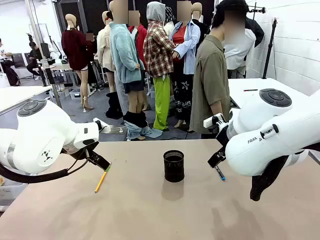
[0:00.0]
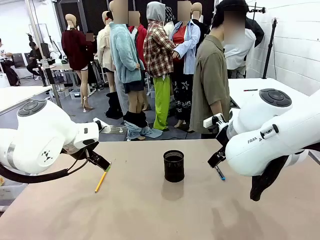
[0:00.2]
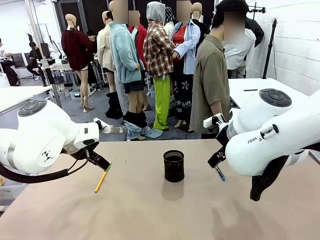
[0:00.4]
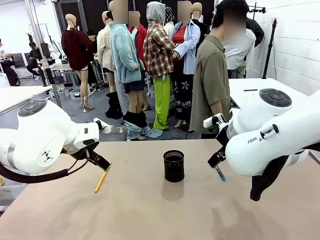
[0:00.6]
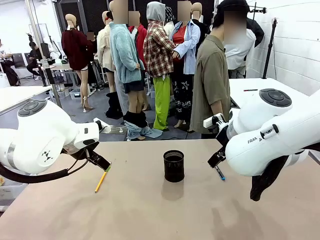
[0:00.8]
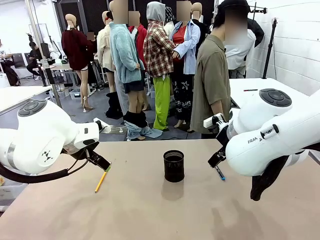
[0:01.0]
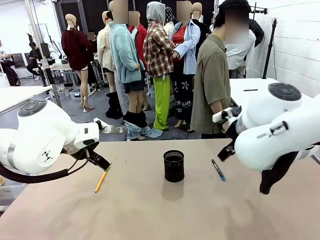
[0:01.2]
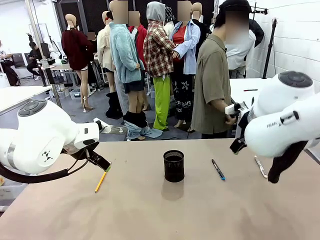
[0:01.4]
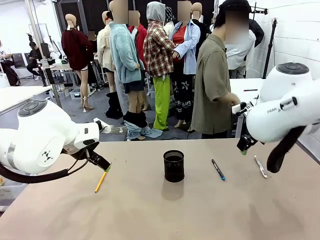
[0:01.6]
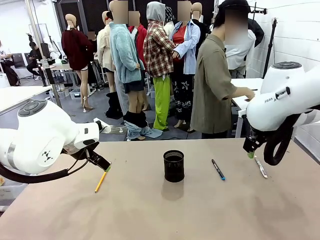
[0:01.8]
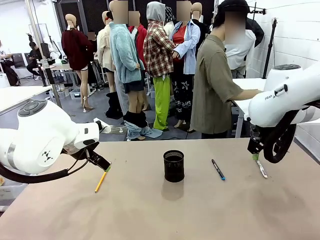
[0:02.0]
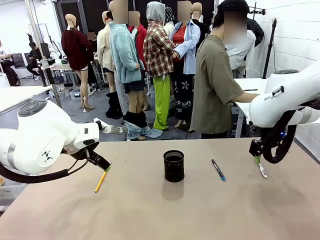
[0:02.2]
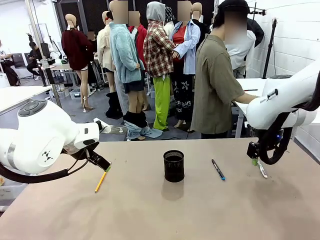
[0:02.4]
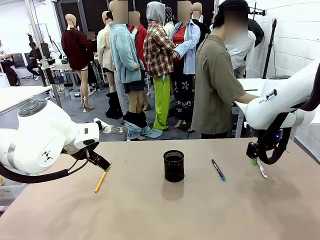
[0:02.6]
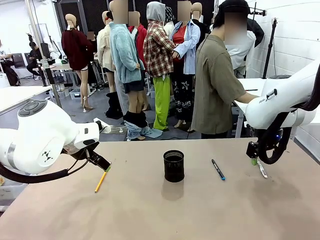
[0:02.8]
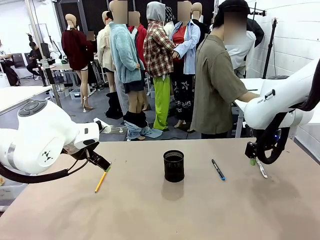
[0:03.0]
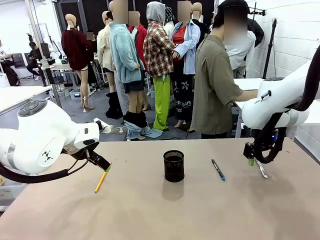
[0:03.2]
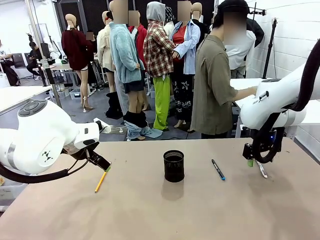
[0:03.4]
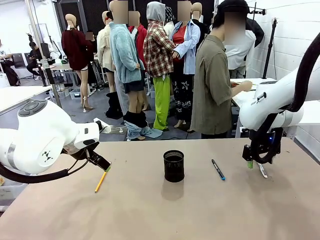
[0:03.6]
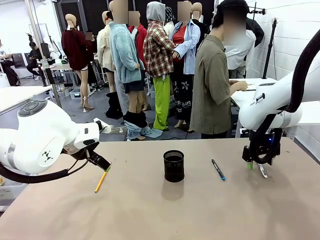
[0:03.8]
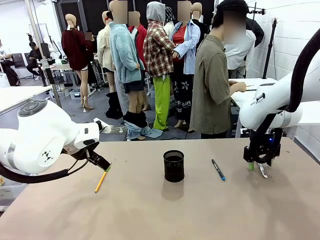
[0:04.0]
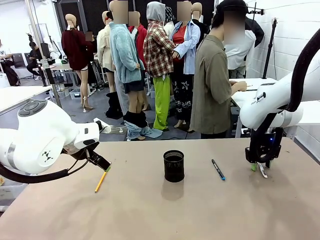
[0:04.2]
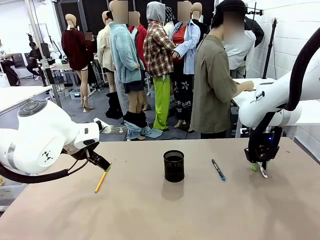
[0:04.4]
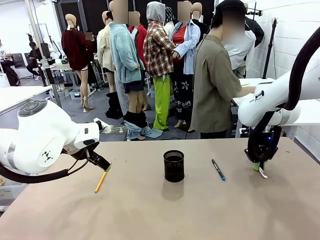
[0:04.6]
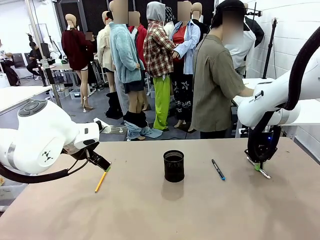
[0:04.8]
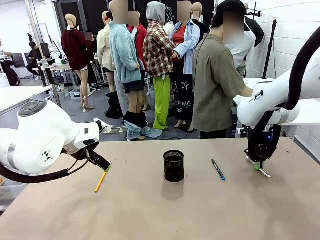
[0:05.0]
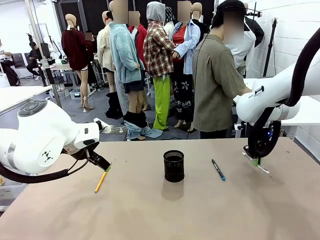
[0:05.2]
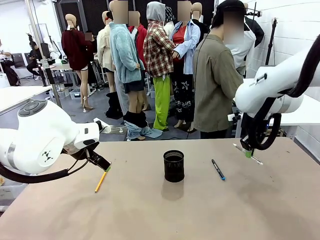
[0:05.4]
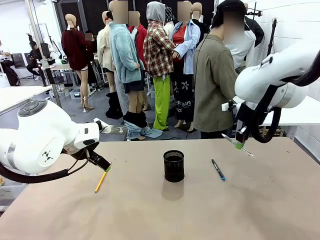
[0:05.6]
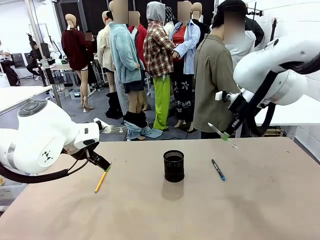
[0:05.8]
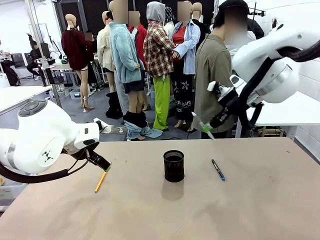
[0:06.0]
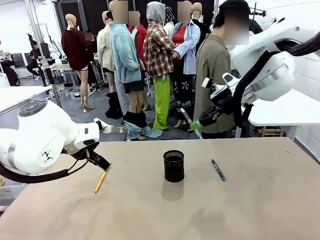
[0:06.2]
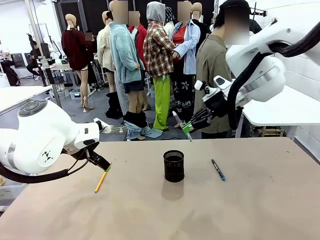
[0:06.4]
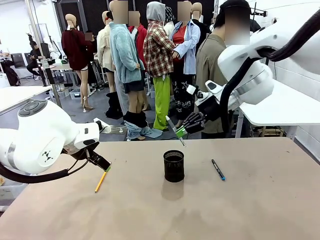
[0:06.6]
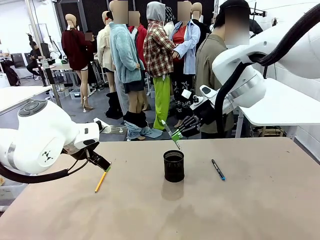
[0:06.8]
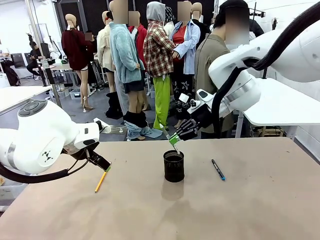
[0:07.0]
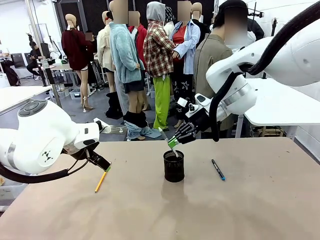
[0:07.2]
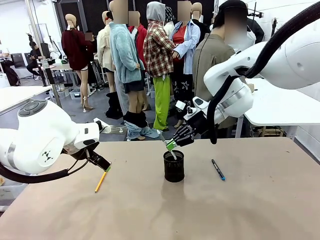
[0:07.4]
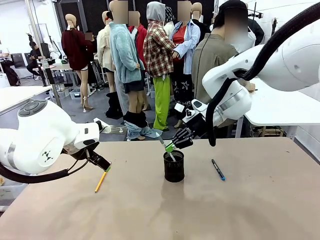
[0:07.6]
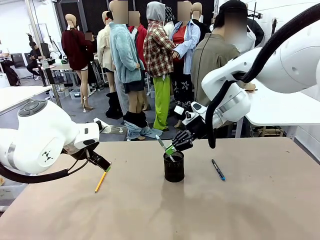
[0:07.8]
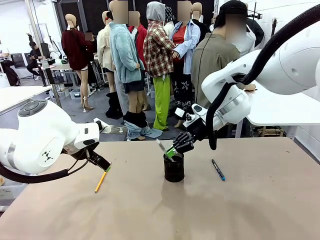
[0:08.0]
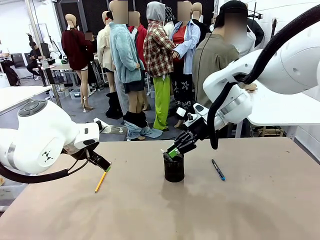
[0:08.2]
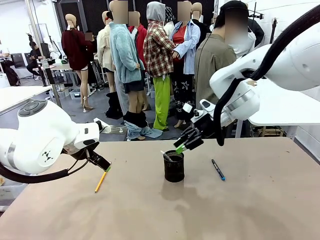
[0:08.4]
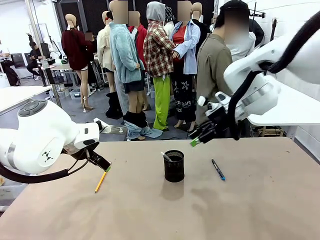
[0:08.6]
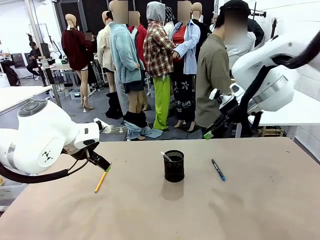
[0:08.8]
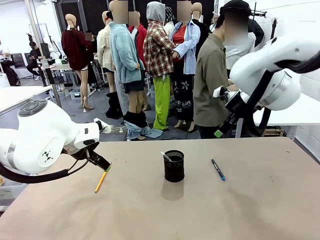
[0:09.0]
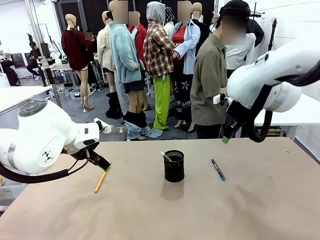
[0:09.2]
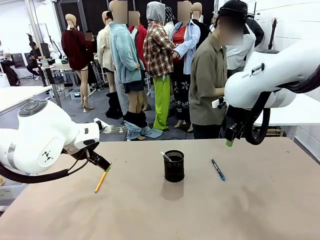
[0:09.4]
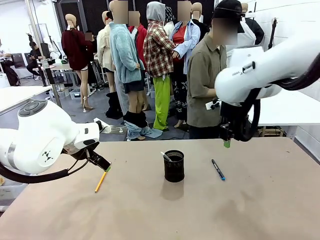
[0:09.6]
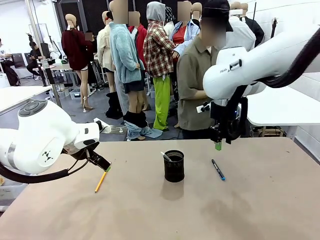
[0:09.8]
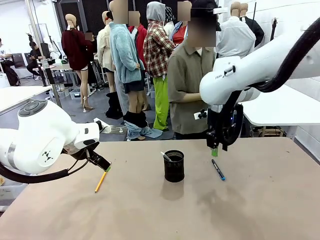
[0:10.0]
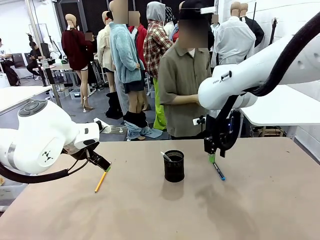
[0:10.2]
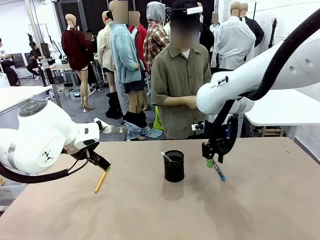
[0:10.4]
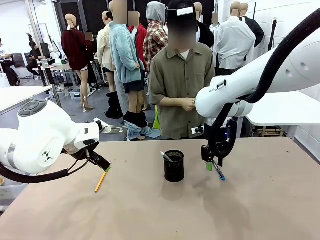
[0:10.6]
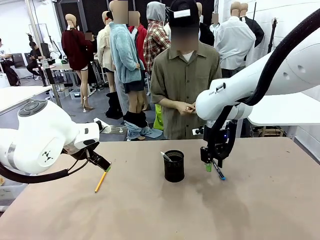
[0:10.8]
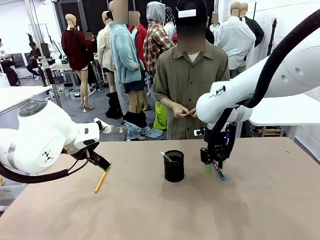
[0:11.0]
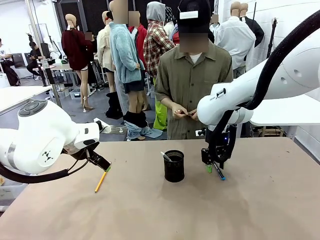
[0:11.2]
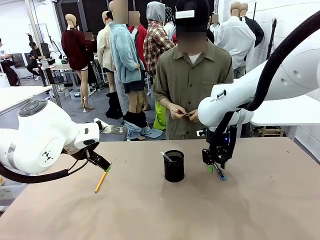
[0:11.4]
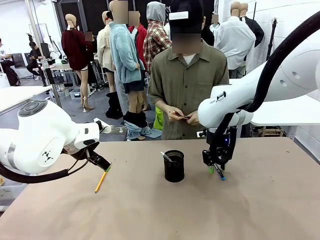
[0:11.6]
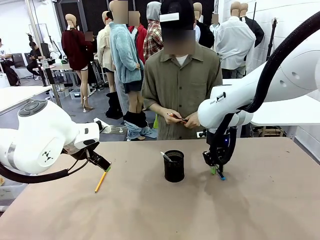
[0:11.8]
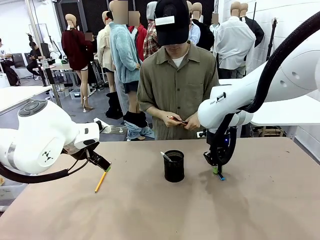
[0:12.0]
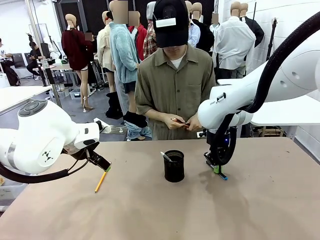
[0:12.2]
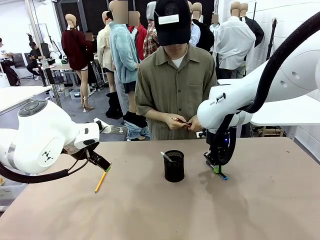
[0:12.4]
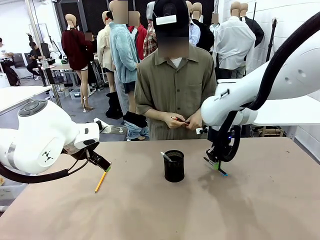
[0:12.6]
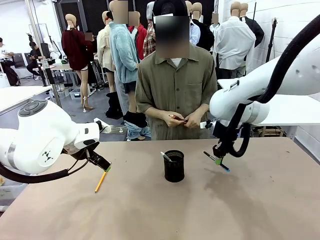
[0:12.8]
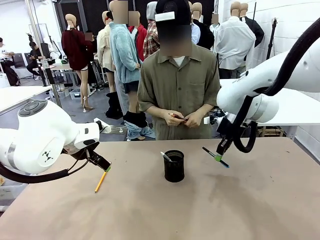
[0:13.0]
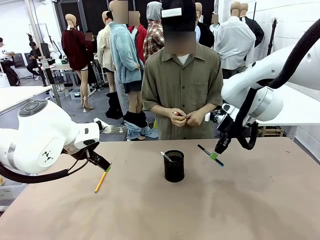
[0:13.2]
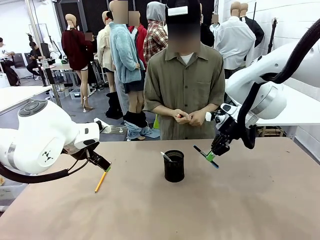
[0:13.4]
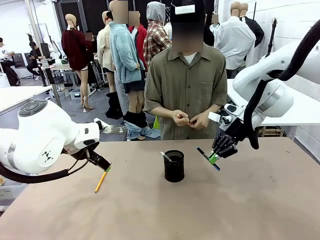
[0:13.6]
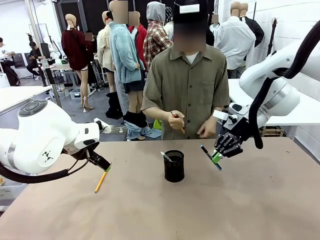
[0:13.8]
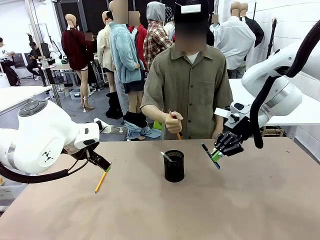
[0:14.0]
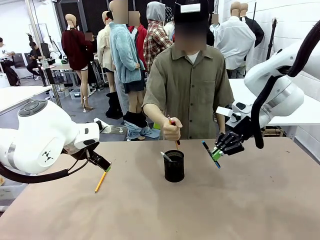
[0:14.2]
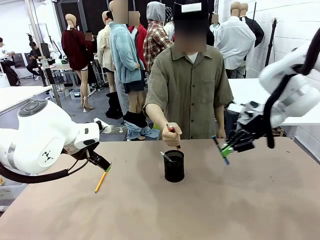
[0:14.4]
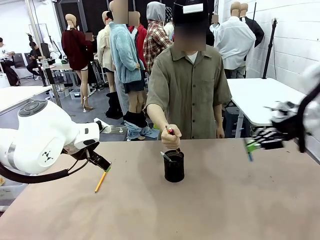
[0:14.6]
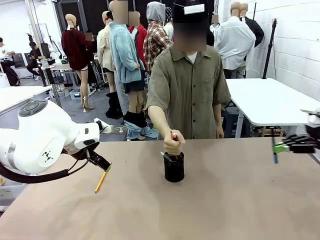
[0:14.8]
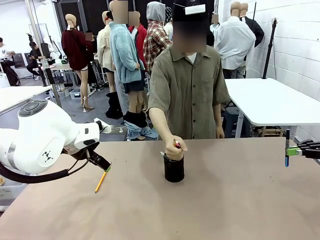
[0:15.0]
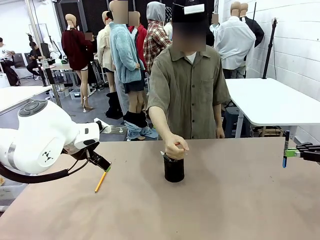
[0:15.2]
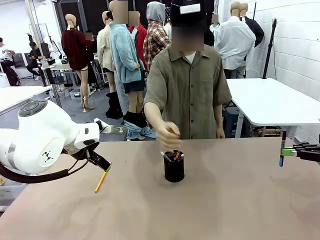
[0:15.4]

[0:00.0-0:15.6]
Task: Place the pens into the pen holder.
Robot: Pick up a writing instrument from the table and place it into the Pen holder.
Person: Pick up all writing instruments from the Human table.
